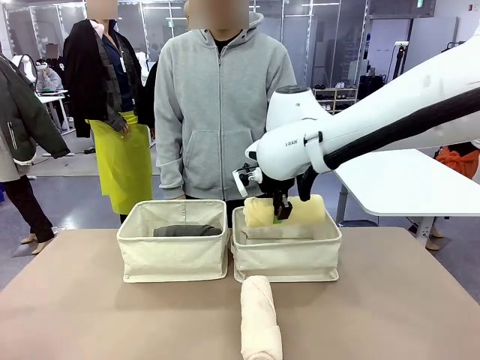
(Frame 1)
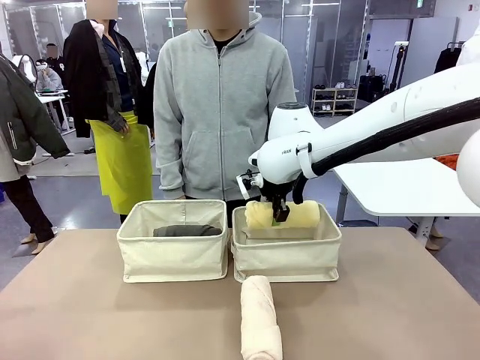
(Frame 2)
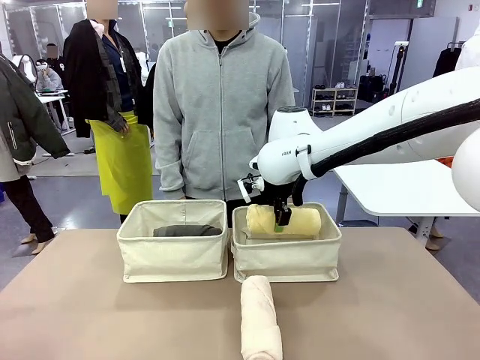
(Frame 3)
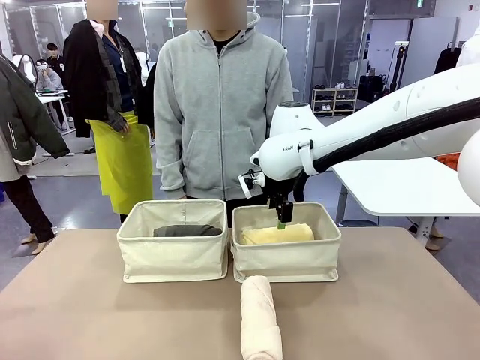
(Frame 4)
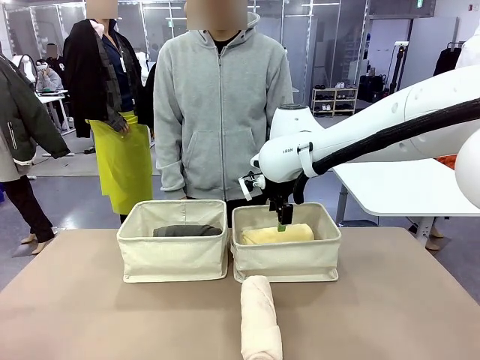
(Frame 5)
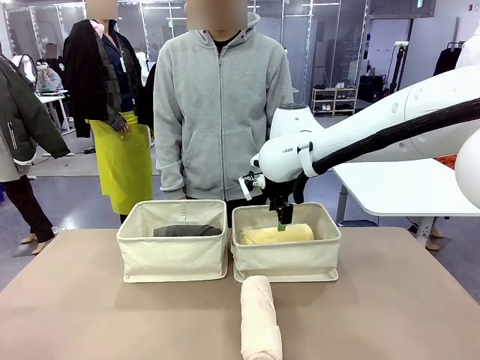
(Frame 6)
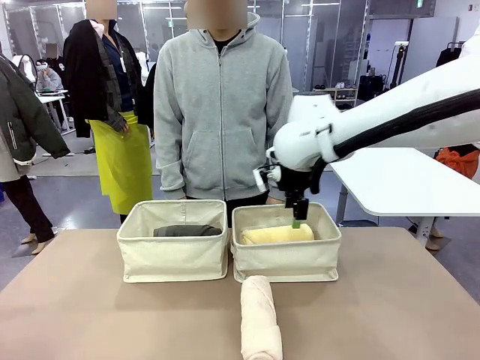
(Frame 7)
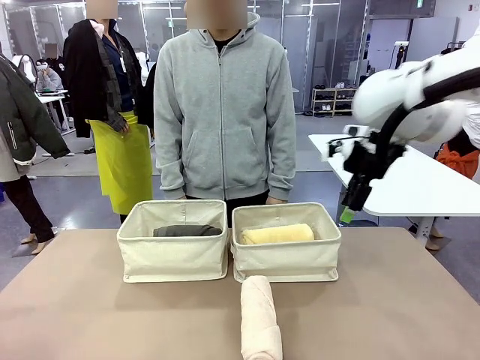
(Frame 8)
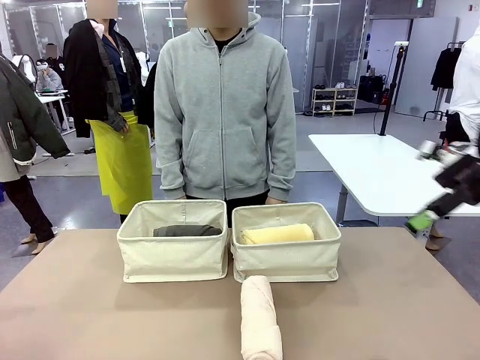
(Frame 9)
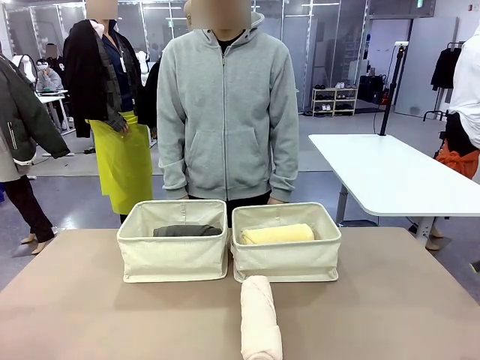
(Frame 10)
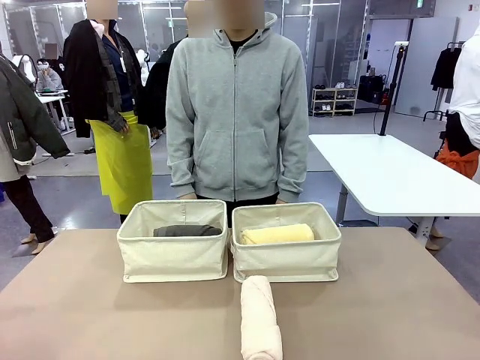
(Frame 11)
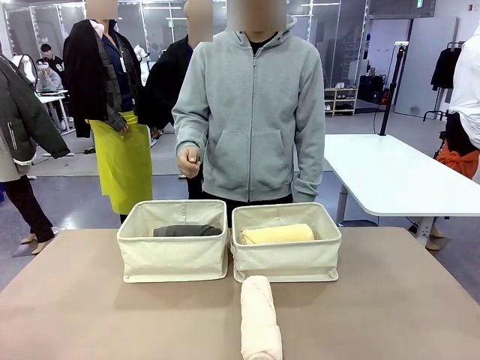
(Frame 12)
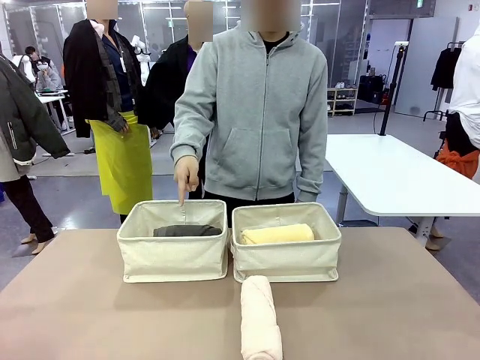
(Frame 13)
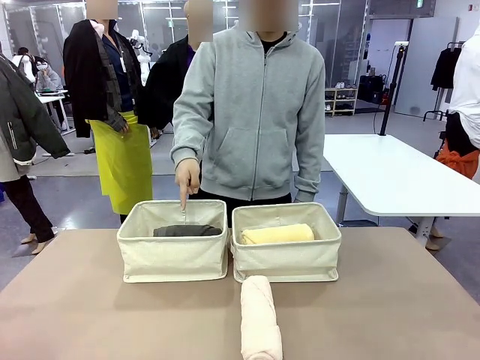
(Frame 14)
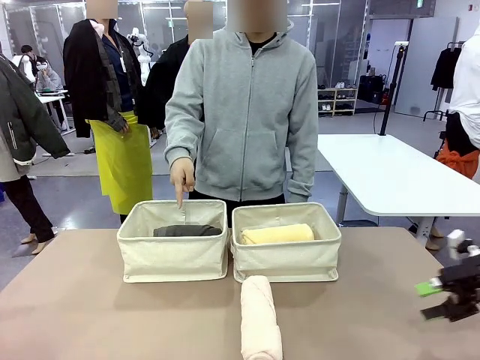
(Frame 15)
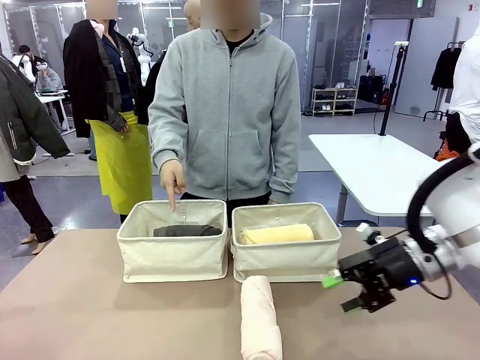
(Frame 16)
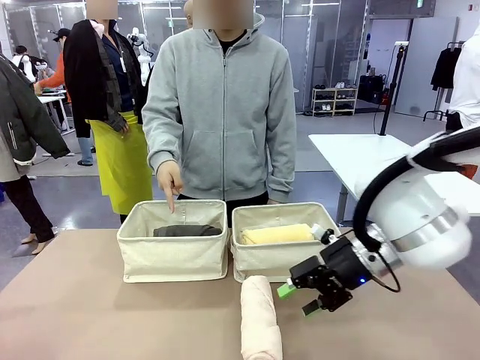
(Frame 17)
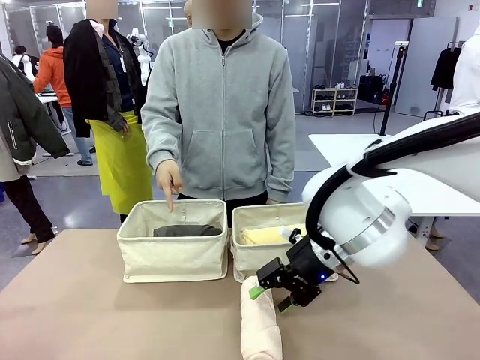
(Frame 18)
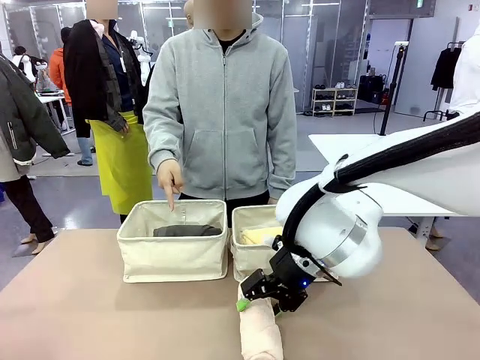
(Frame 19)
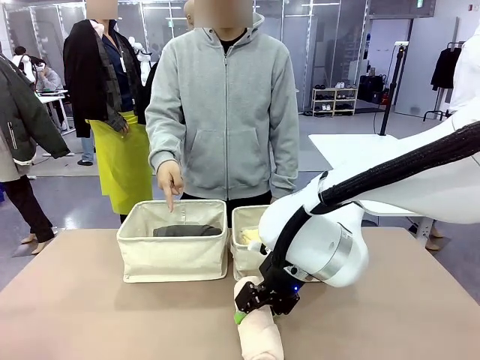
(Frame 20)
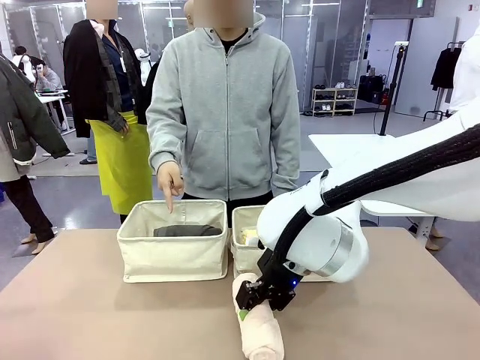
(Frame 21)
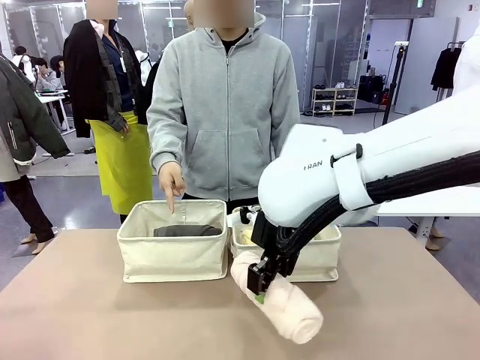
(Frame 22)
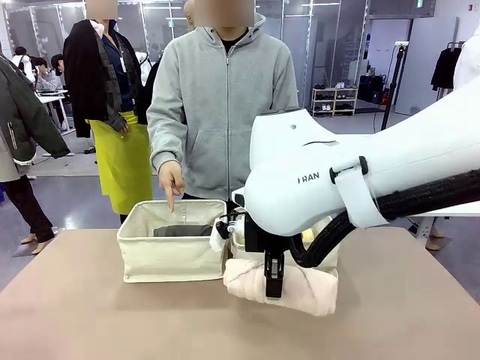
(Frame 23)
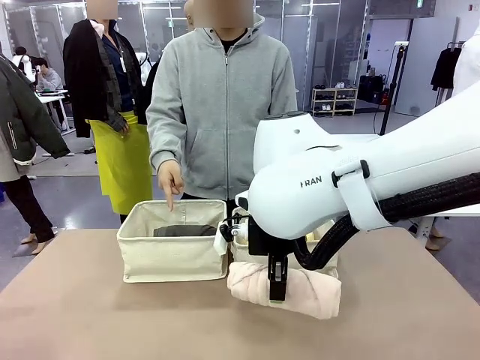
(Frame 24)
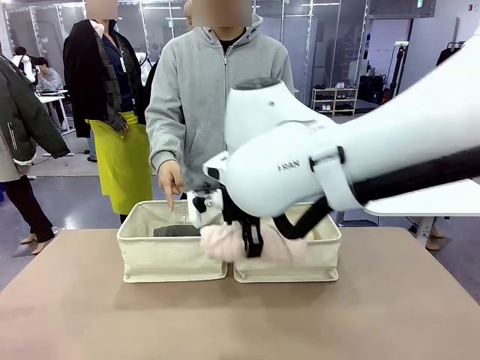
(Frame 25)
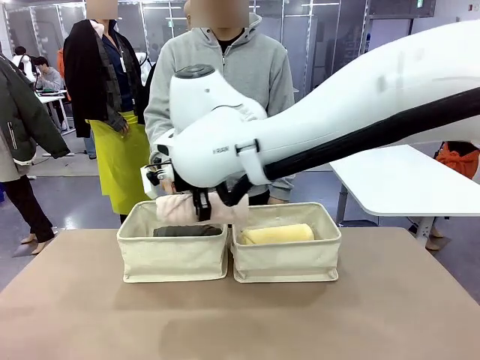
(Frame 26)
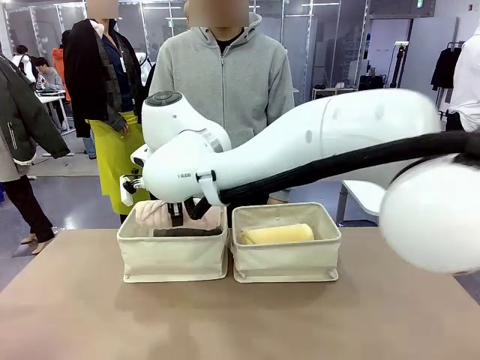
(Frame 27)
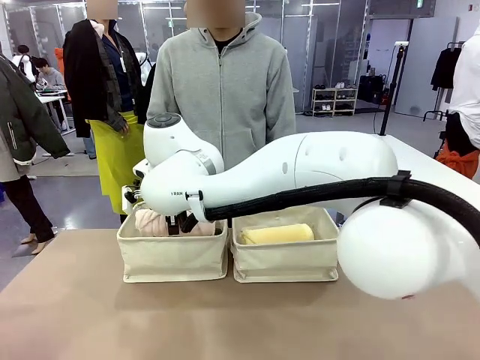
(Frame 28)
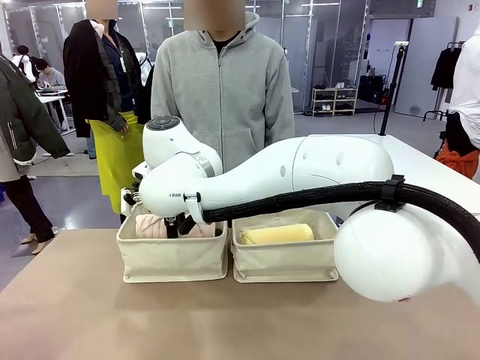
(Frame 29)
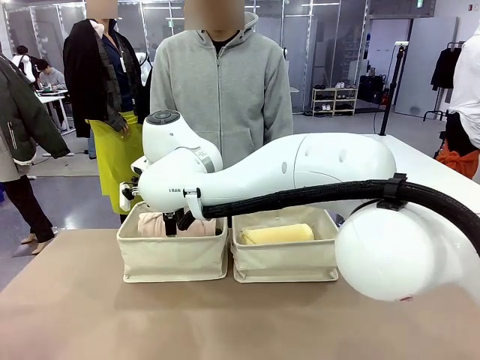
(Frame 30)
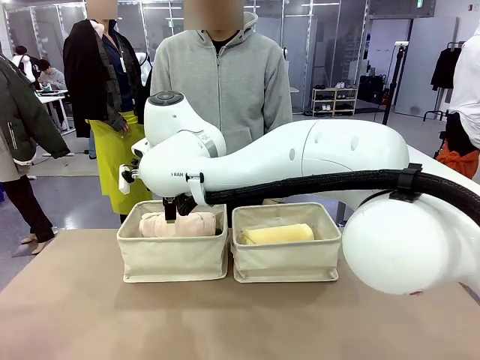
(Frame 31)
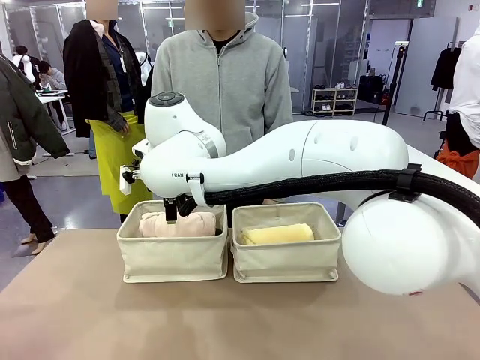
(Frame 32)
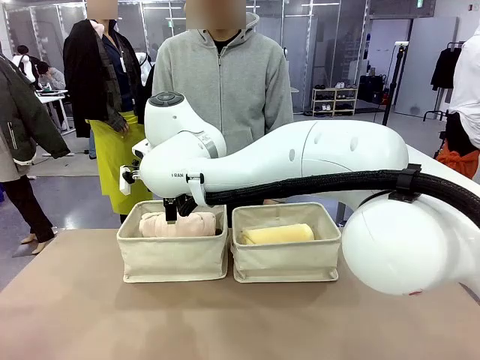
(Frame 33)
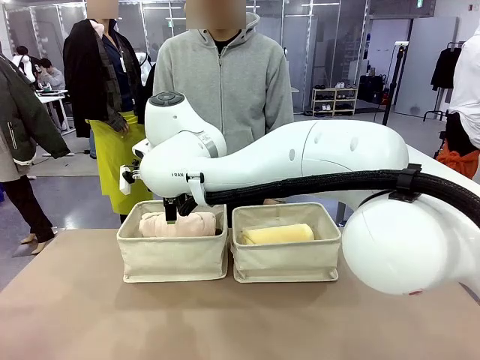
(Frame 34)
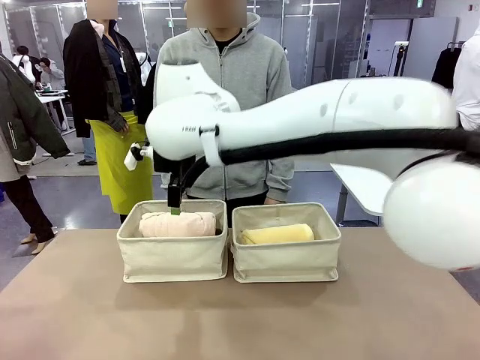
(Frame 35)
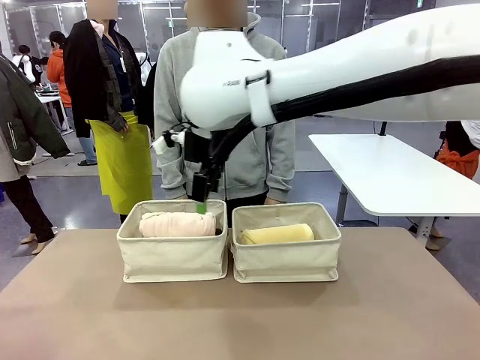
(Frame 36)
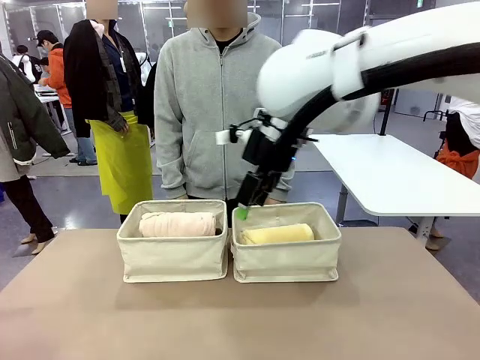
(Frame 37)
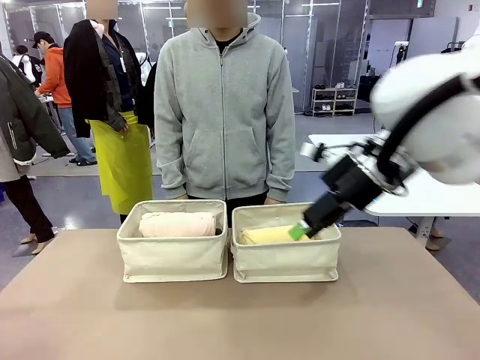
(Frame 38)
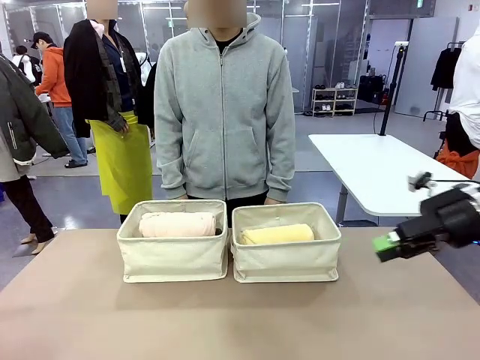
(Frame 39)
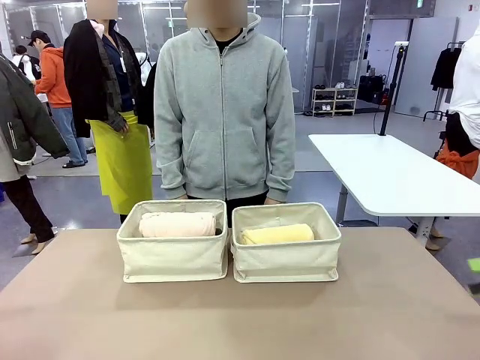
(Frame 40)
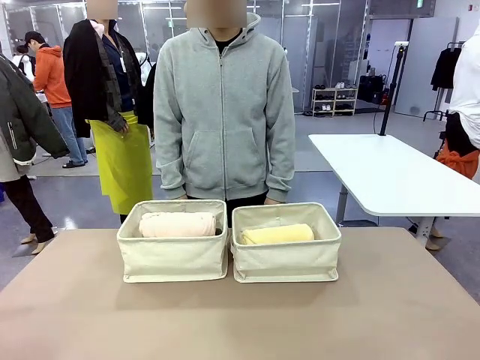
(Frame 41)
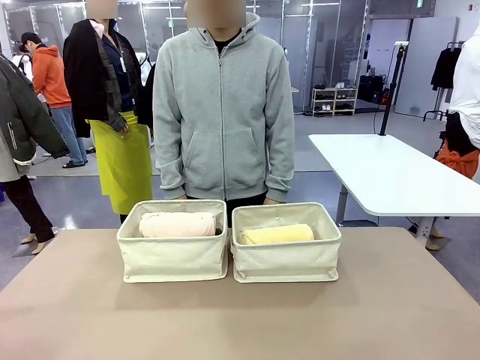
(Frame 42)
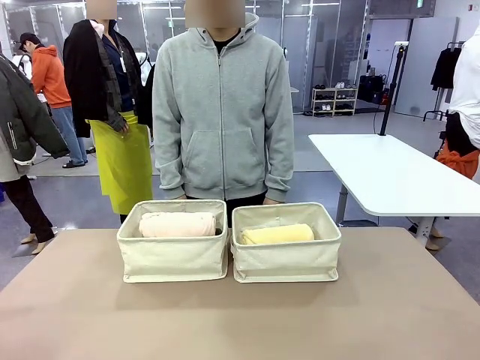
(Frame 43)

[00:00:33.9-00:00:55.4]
Task: Divide the towels into two baskets.
Robot: Pick up one hotel-folded towel from the bottom of the table and place it in the Fabric basket indicated by the person.

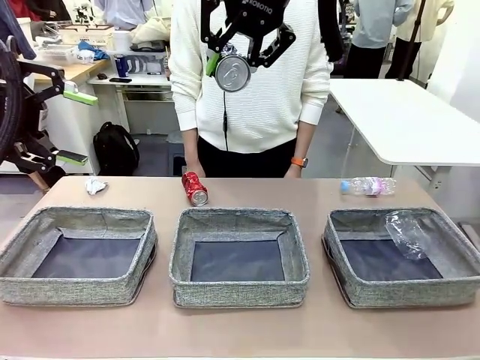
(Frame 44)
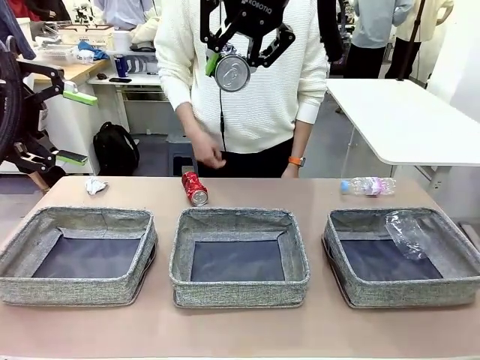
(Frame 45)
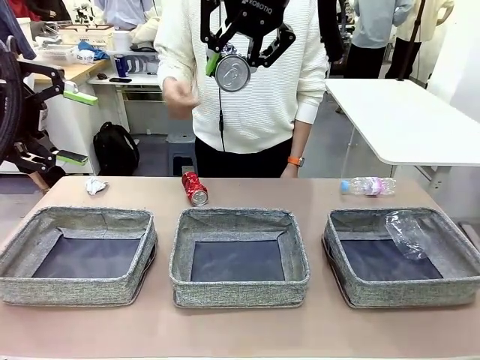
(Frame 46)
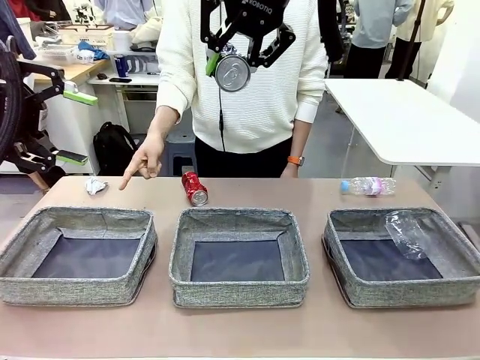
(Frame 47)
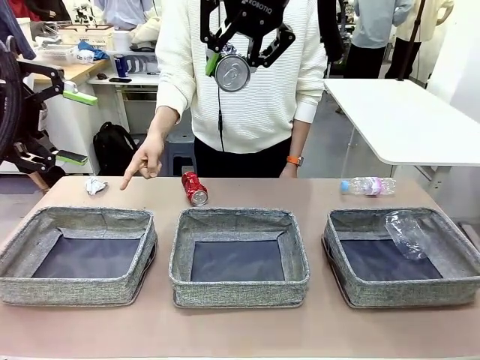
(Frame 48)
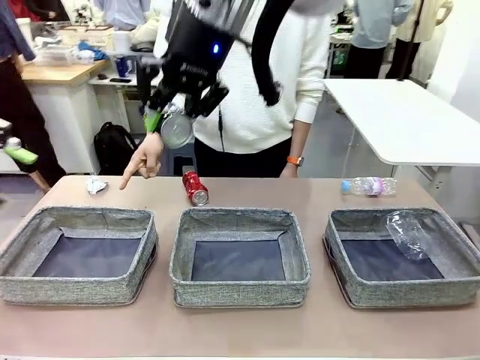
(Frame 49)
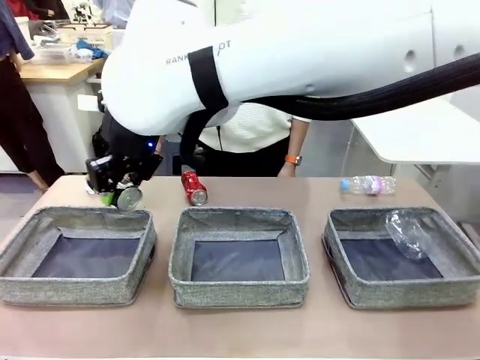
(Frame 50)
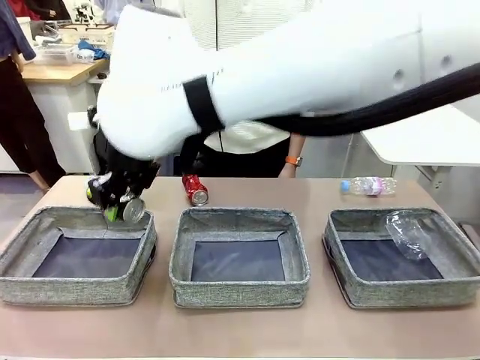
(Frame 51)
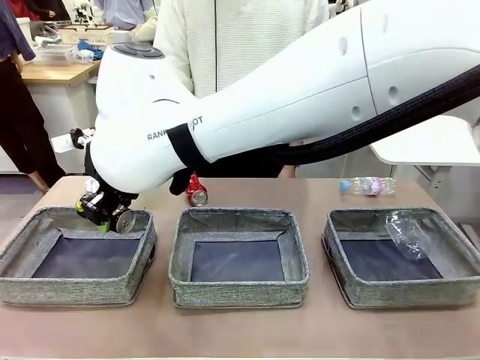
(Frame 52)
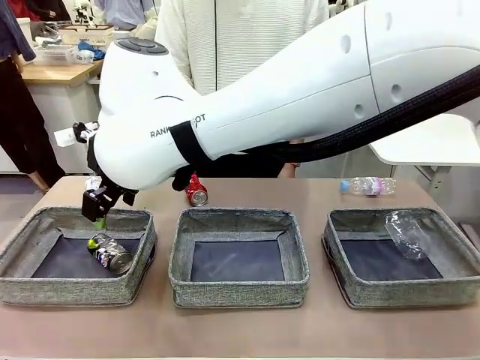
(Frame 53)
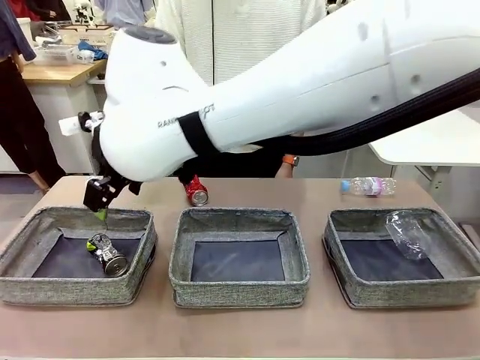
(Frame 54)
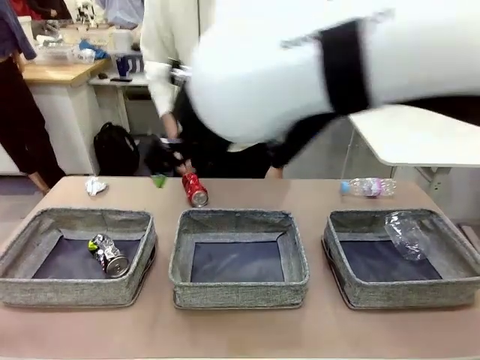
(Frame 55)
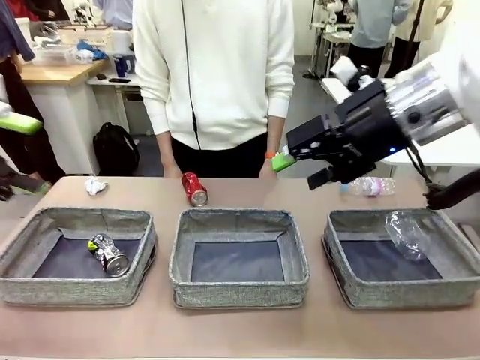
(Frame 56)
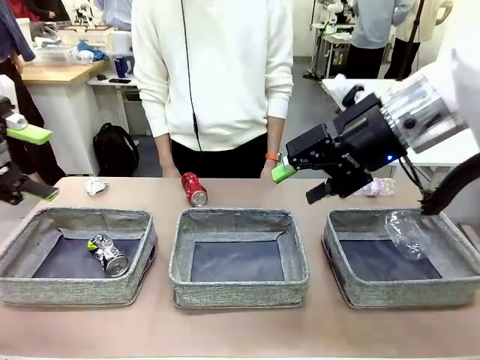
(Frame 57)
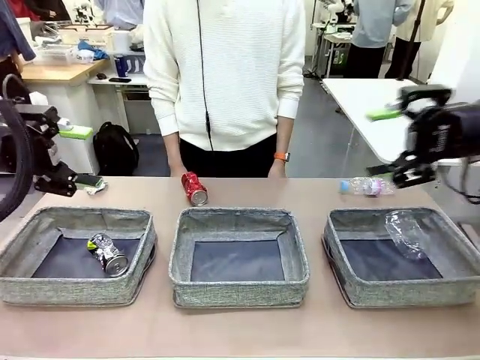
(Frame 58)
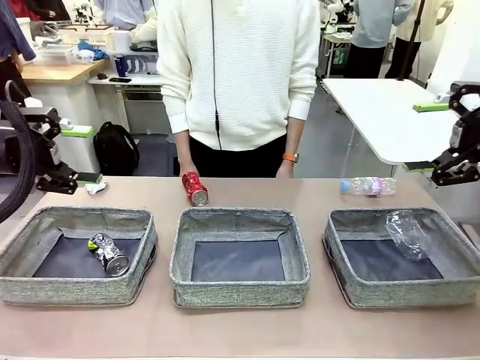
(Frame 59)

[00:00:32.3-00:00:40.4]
Task: Sort the waste into the appropriate baskets.
Robot: Place the picked waste into the Fabric basket indicated by the person.
Person: Instructs the robot to place the picked-up trash into the appropriate organizing basket.
